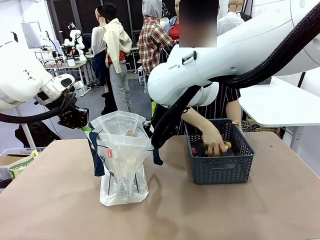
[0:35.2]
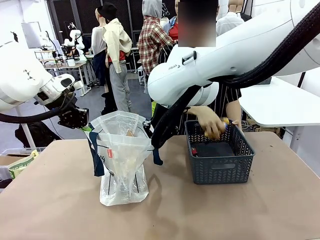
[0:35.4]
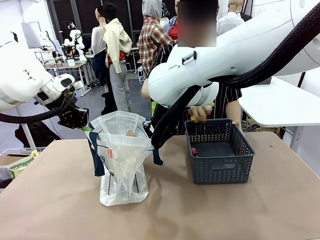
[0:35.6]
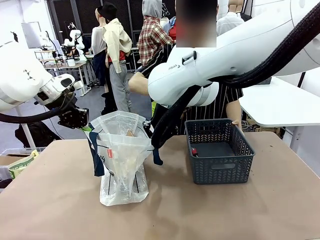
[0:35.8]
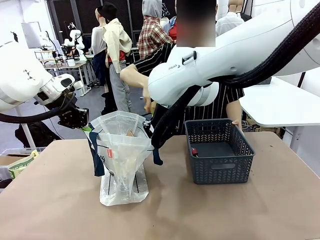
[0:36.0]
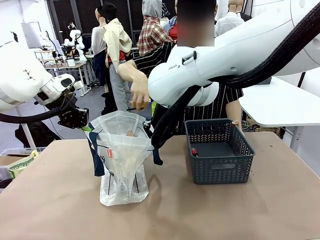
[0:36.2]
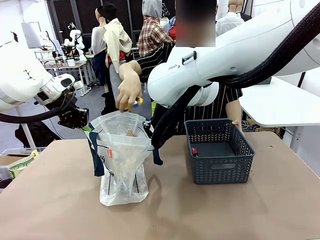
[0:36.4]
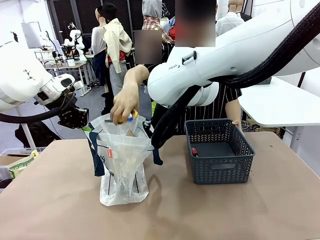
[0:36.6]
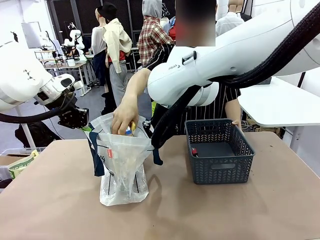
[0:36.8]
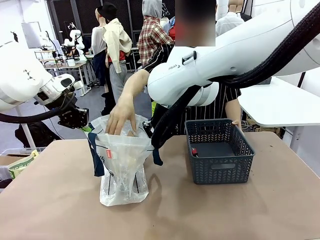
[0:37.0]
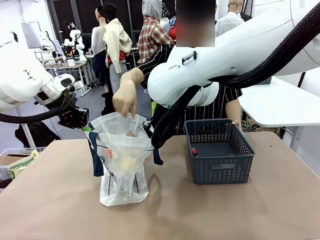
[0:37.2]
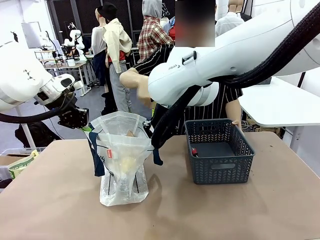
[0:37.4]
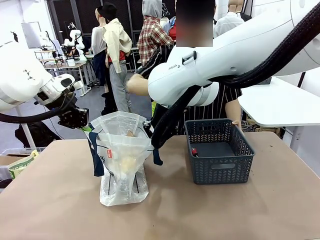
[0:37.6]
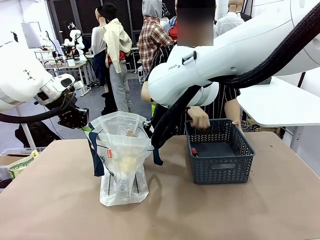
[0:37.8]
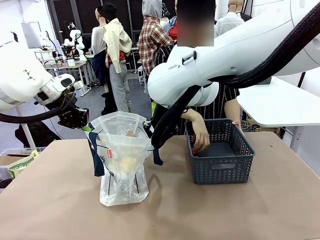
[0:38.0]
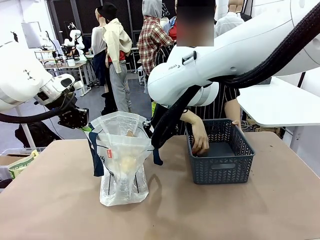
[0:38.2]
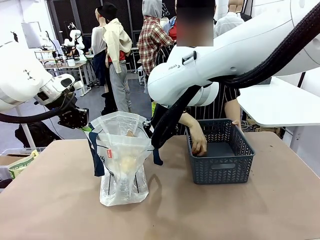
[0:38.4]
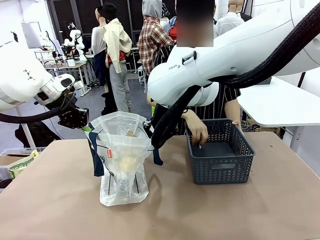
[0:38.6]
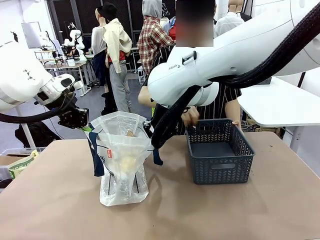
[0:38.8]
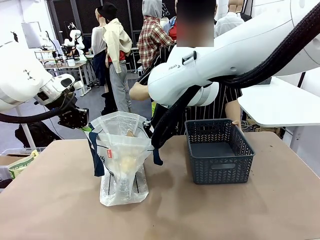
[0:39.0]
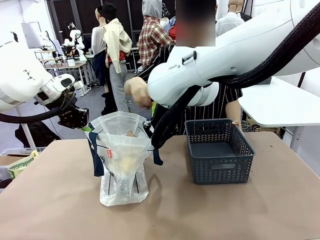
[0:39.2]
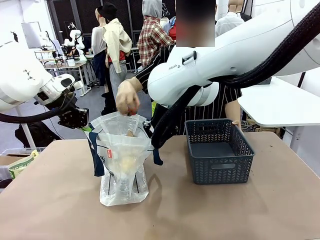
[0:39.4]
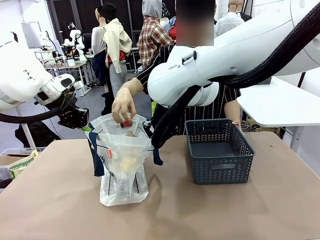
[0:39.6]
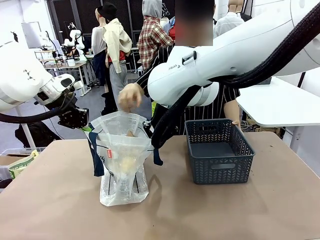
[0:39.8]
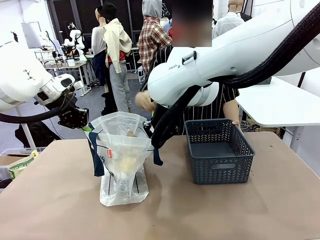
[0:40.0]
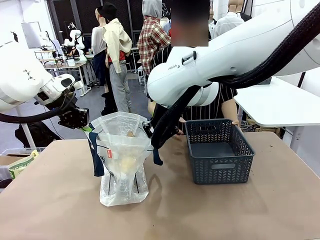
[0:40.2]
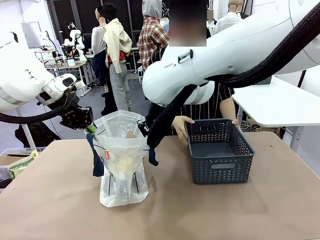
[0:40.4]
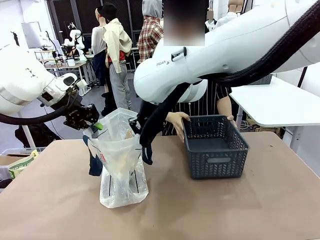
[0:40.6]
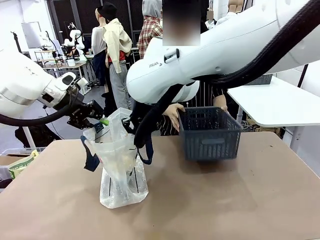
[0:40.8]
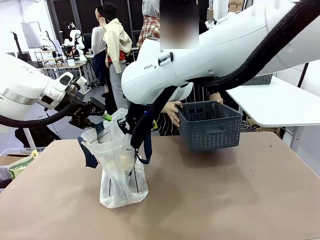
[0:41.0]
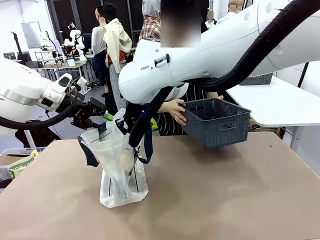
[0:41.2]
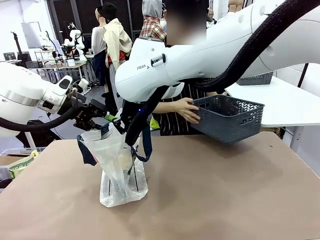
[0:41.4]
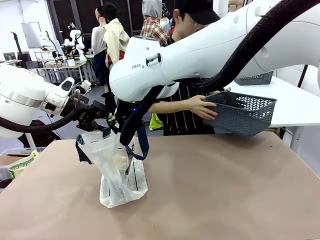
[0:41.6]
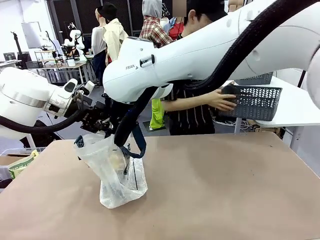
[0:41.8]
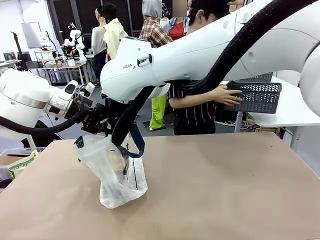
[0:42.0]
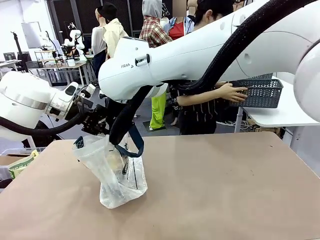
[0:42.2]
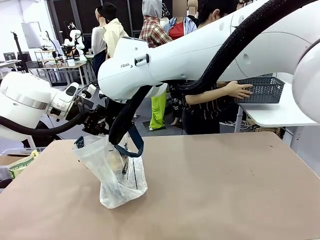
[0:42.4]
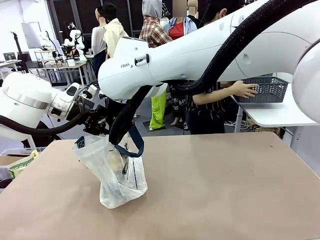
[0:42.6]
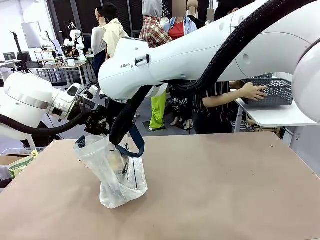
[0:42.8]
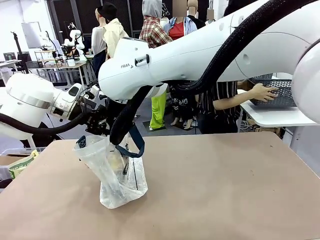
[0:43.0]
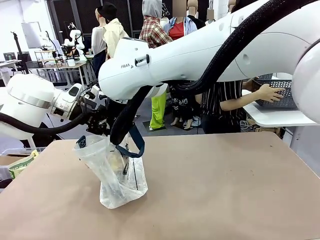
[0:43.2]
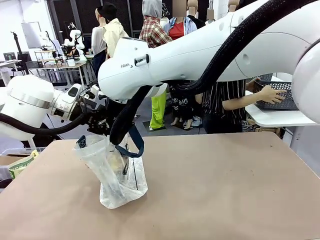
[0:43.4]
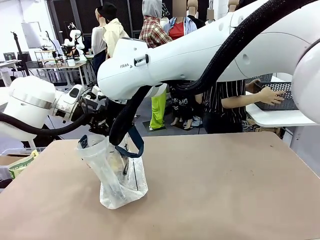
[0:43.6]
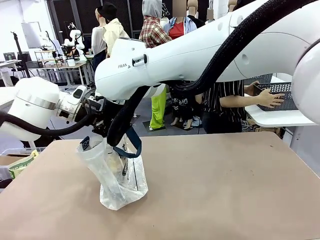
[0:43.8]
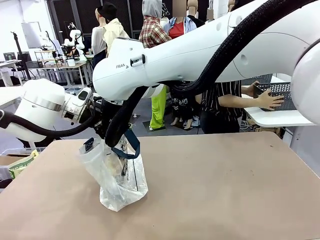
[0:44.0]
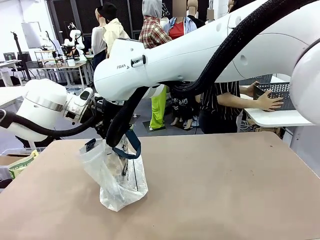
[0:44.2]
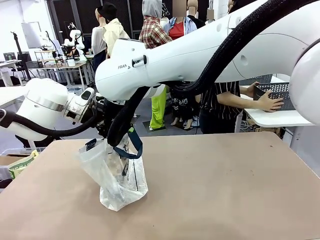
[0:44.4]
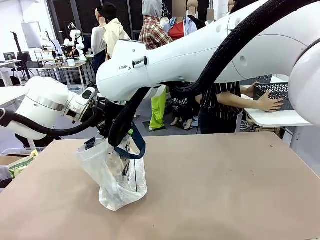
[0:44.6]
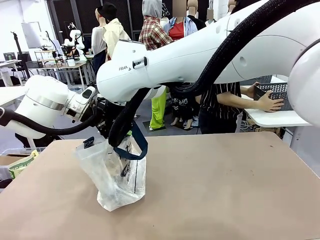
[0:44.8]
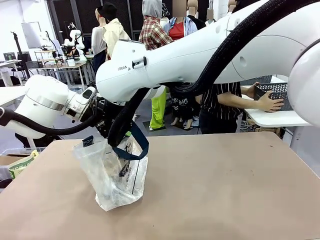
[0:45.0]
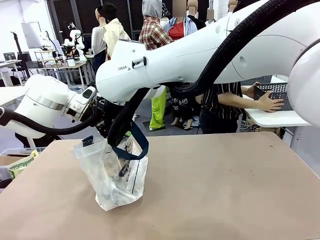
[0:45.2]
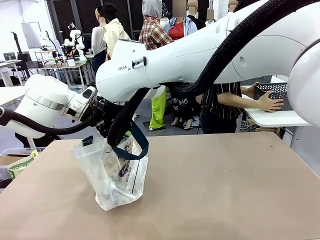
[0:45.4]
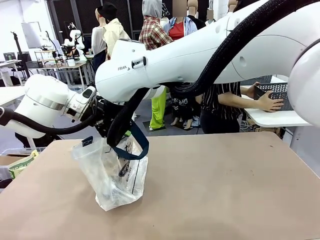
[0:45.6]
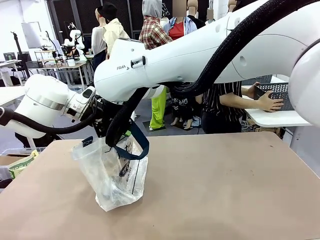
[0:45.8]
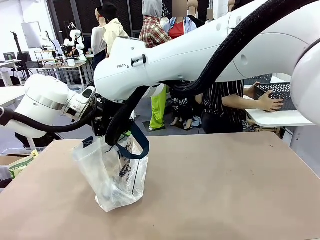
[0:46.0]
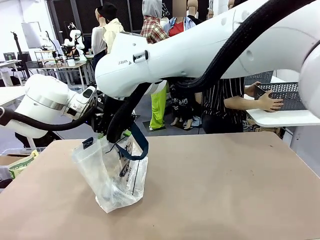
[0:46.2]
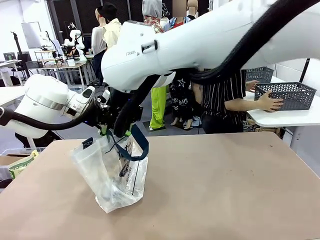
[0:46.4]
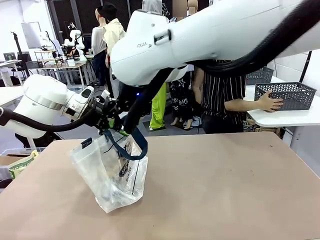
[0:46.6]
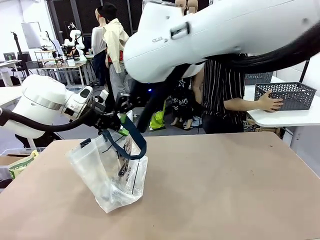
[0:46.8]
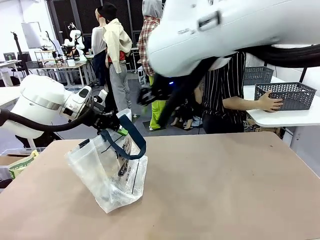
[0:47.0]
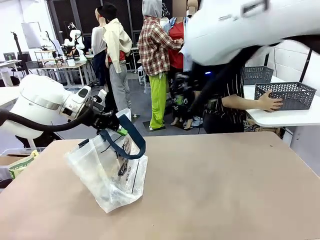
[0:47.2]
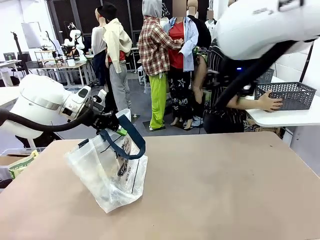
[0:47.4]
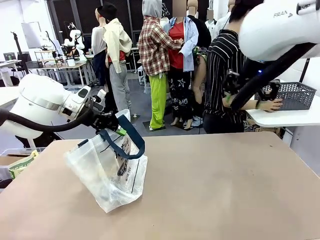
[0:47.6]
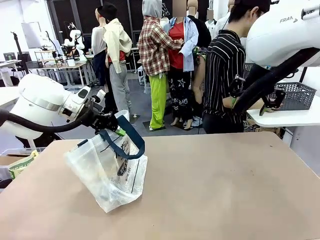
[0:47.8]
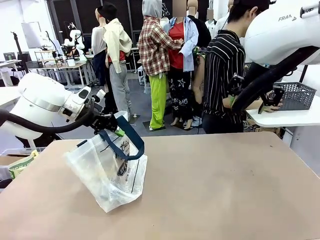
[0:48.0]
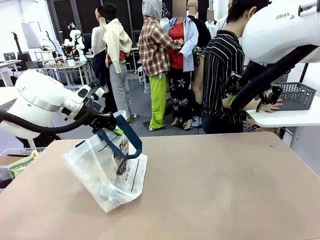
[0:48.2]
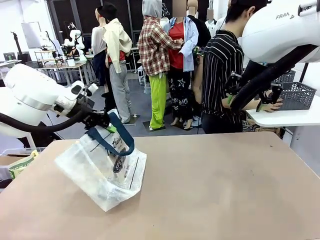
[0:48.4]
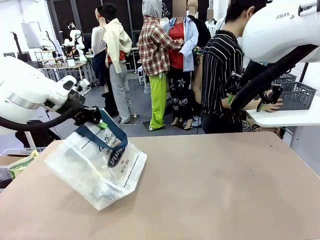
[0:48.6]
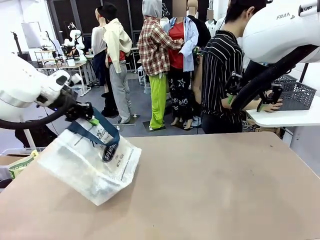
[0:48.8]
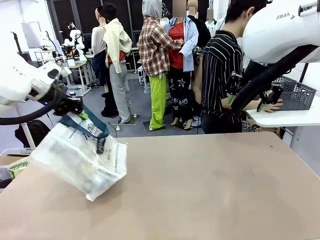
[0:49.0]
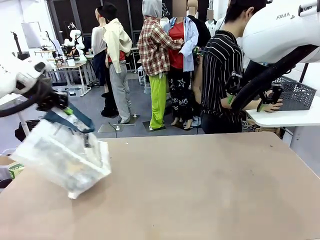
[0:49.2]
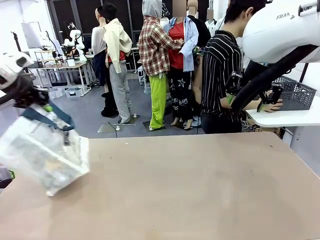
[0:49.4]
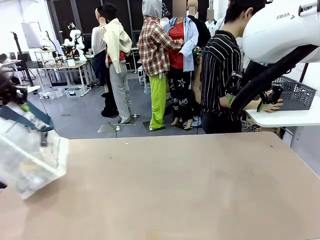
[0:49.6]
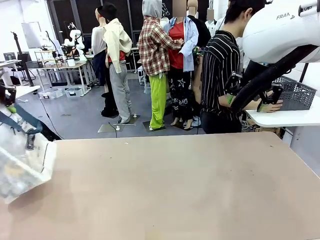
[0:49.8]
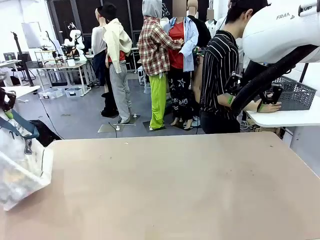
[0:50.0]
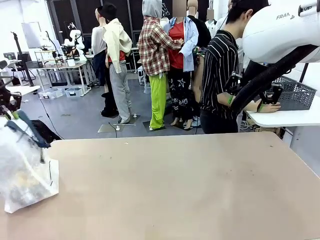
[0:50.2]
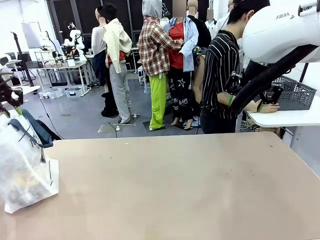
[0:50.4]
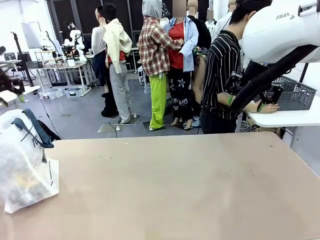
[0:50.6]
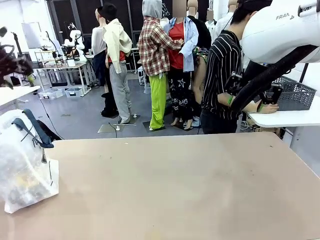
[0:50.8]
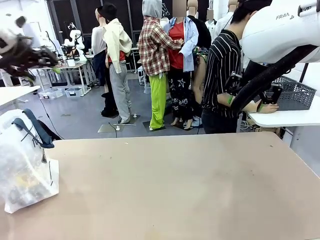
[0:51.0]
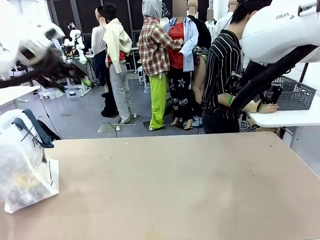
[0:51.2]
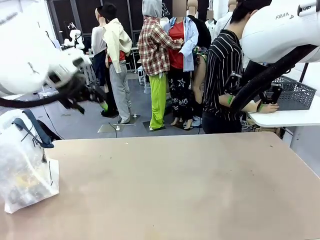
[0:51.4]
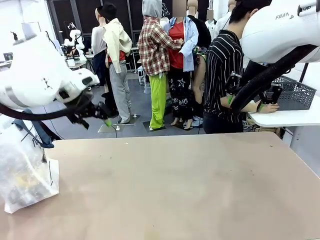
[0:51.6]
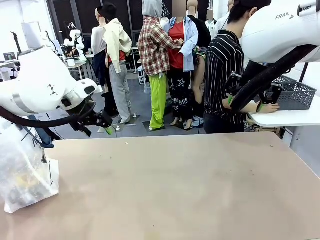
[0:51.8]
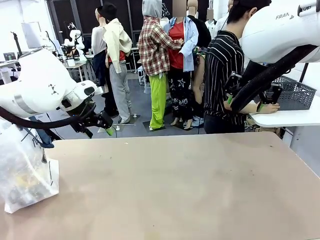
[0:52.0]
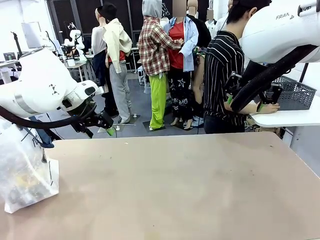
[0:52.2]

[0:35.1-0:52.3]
Task: Transfer purchased items from the store into the shopping bag.
Robot: Move the Reusable shopping bag to the right side of the table.
Person: Move the basket on the left to the middle of the person's table.
